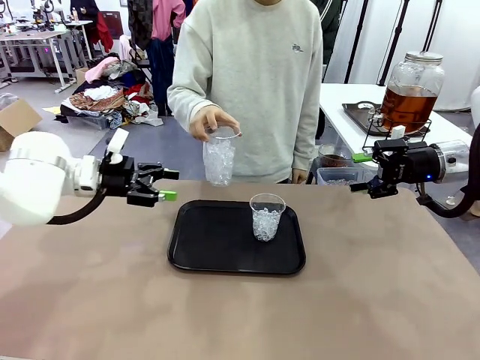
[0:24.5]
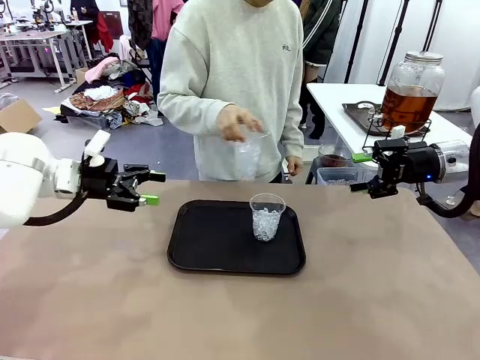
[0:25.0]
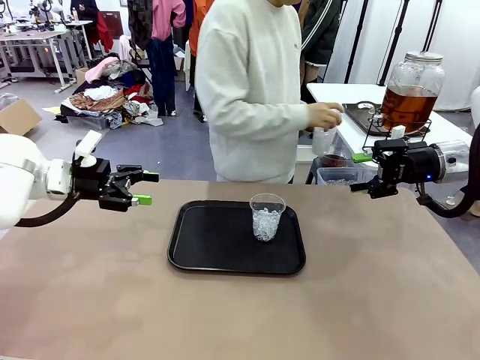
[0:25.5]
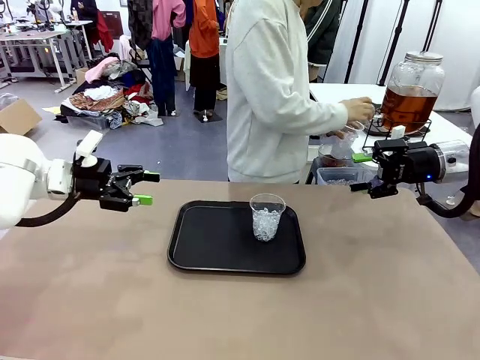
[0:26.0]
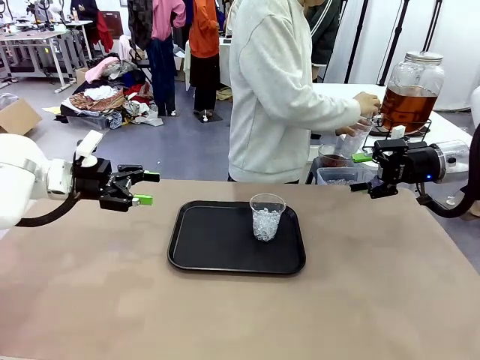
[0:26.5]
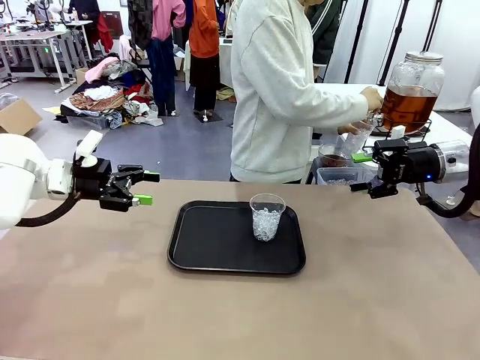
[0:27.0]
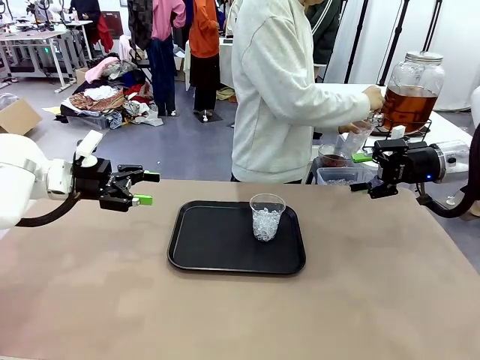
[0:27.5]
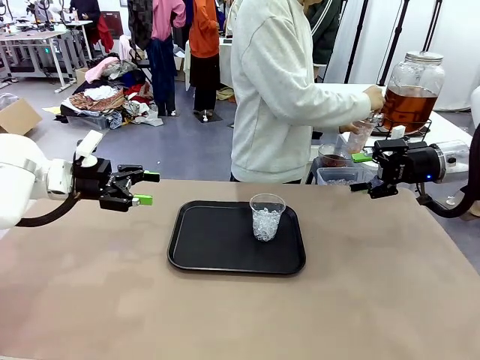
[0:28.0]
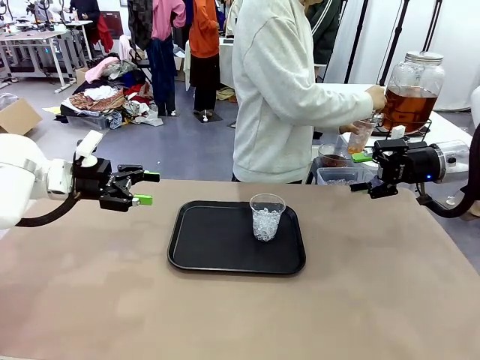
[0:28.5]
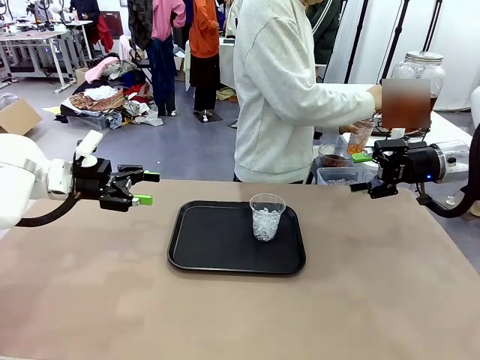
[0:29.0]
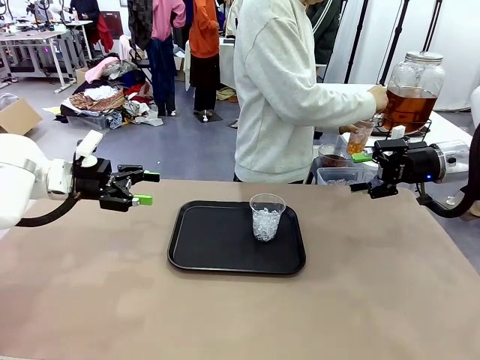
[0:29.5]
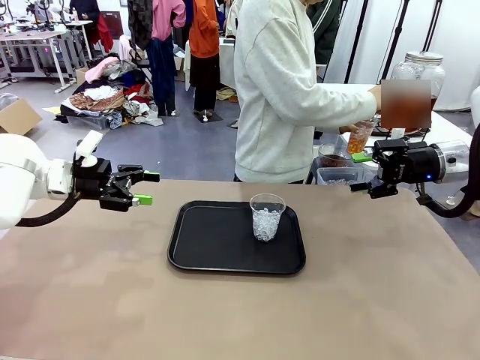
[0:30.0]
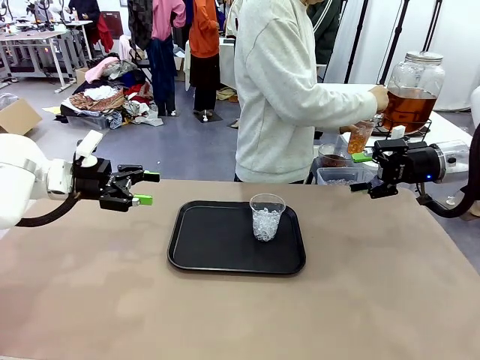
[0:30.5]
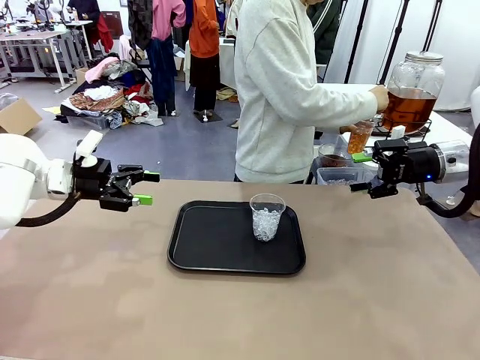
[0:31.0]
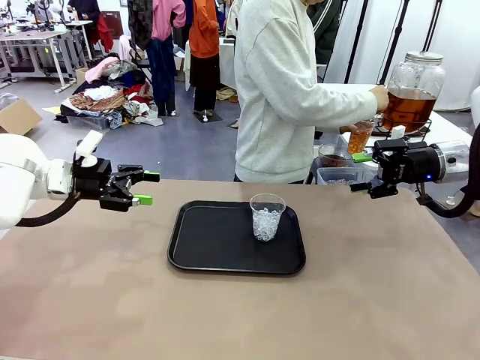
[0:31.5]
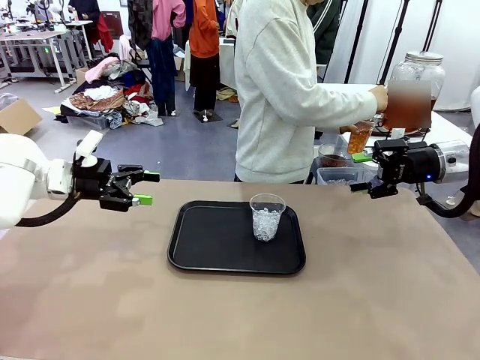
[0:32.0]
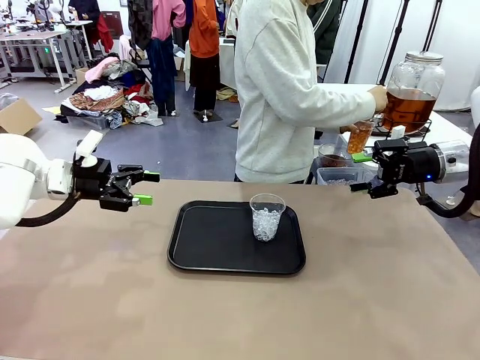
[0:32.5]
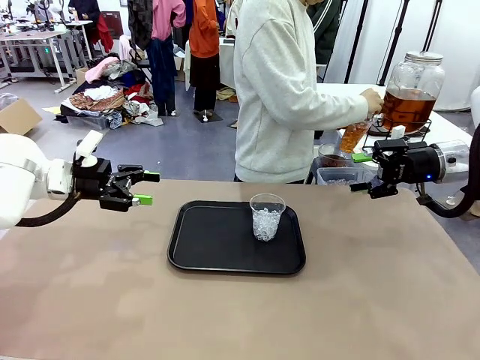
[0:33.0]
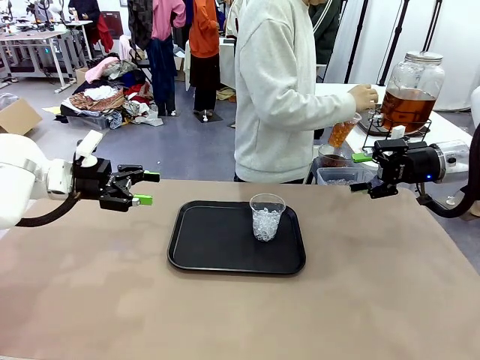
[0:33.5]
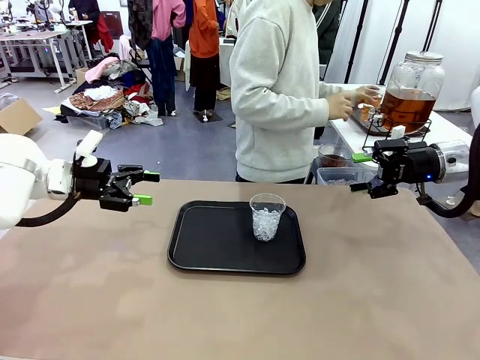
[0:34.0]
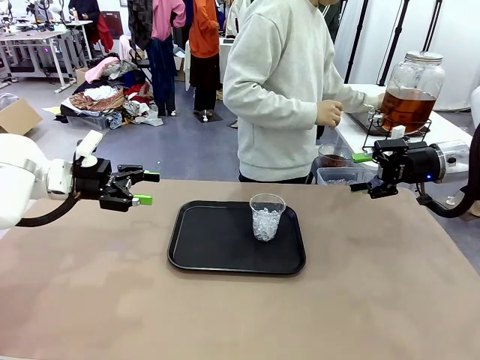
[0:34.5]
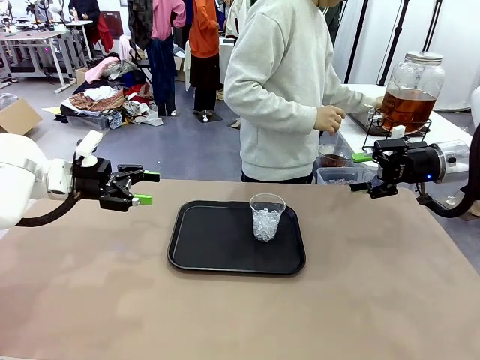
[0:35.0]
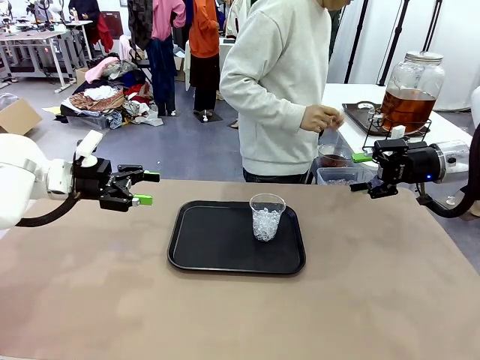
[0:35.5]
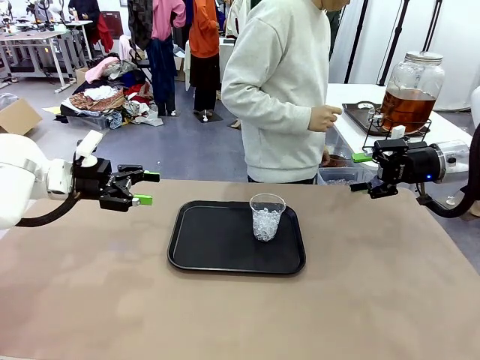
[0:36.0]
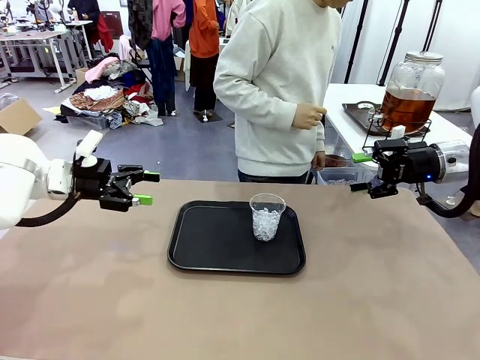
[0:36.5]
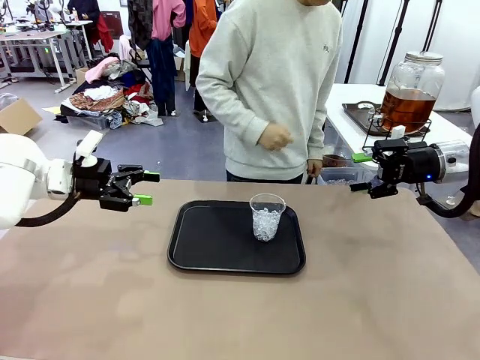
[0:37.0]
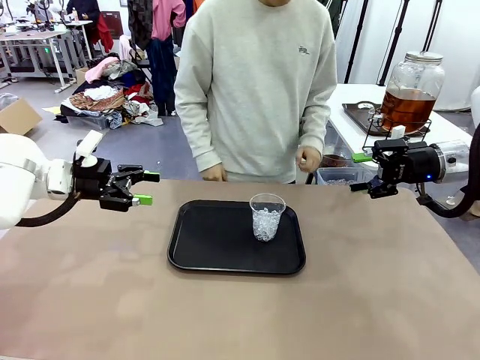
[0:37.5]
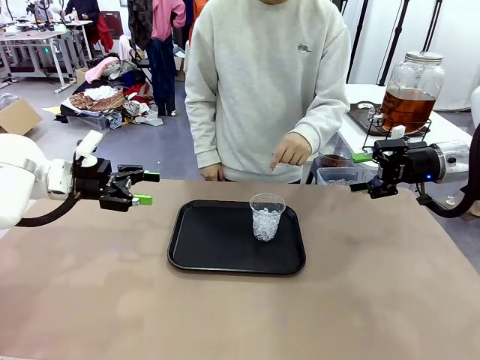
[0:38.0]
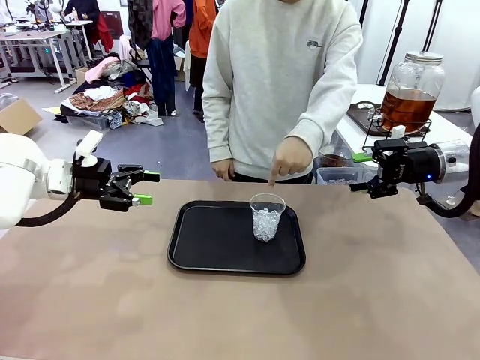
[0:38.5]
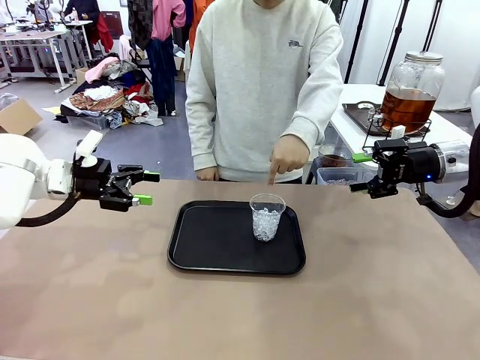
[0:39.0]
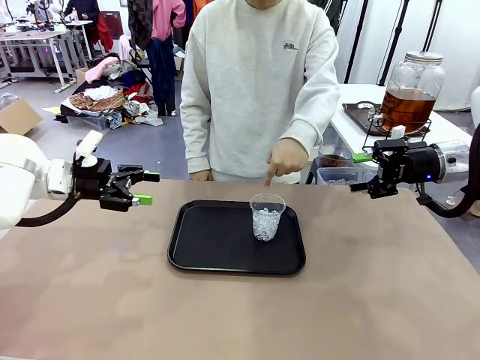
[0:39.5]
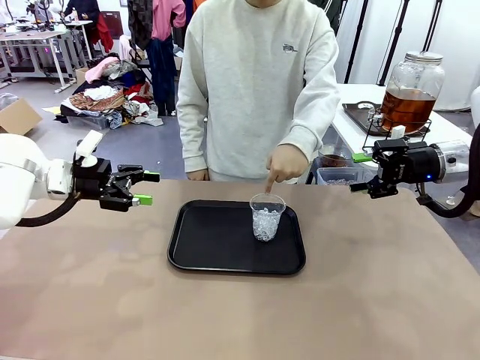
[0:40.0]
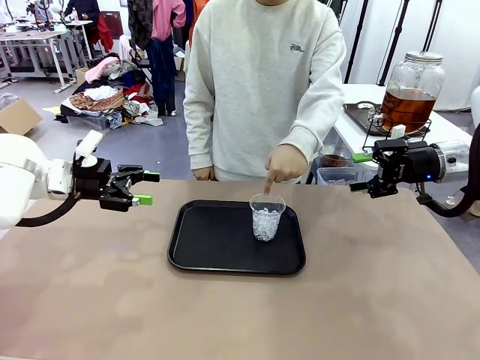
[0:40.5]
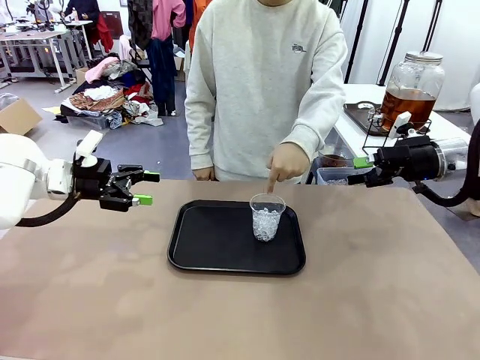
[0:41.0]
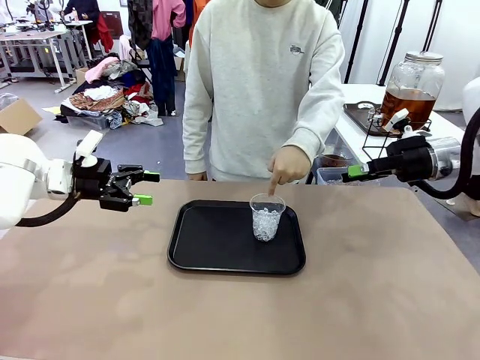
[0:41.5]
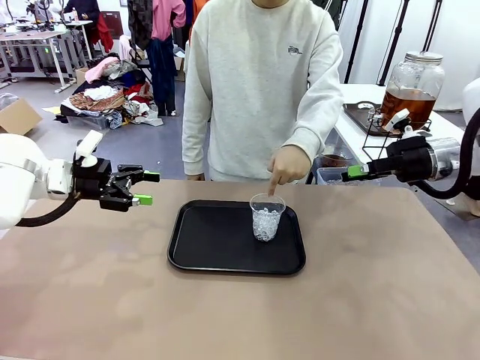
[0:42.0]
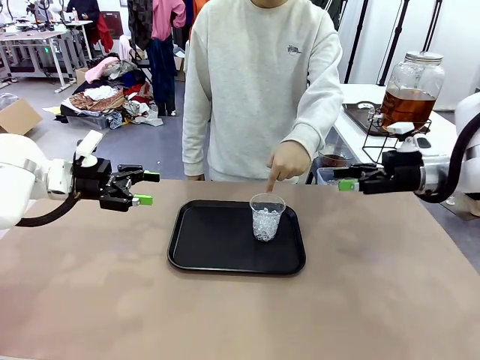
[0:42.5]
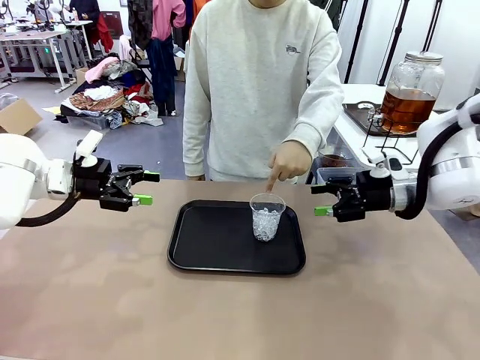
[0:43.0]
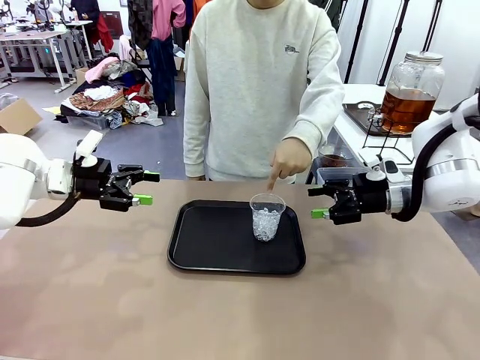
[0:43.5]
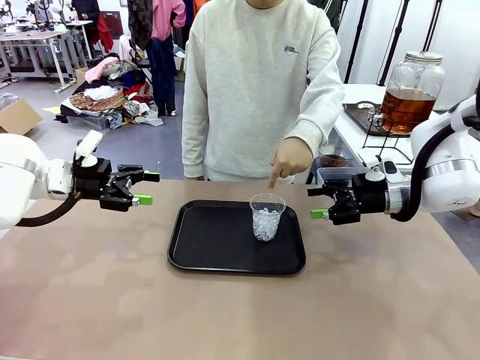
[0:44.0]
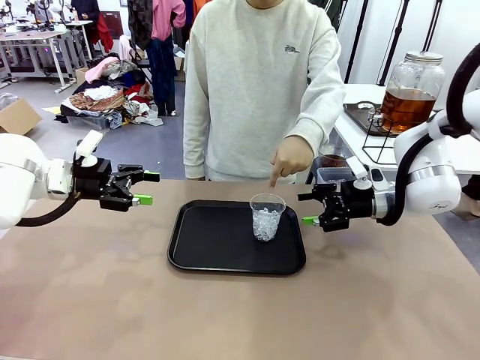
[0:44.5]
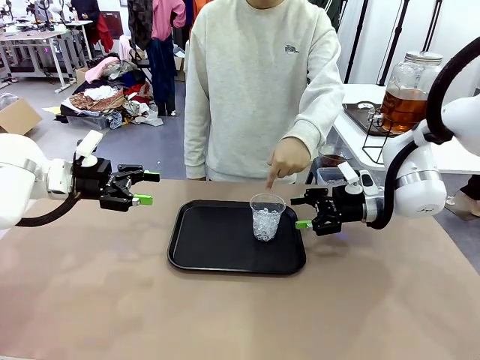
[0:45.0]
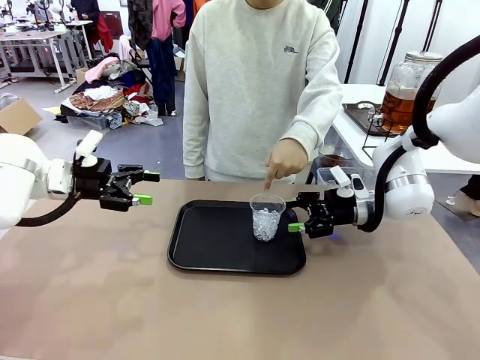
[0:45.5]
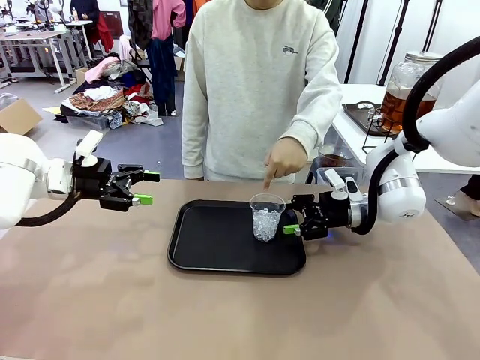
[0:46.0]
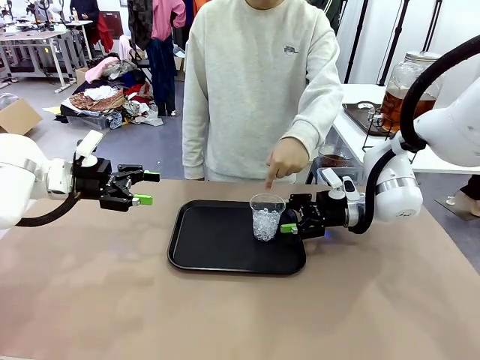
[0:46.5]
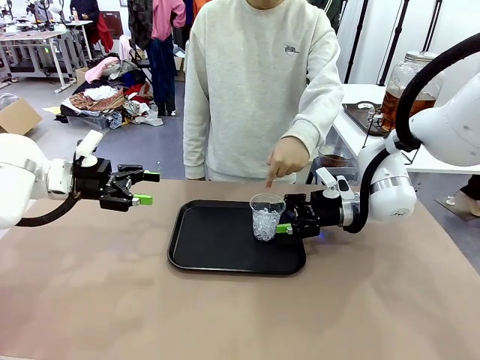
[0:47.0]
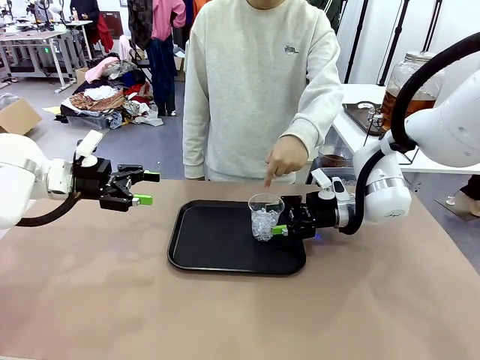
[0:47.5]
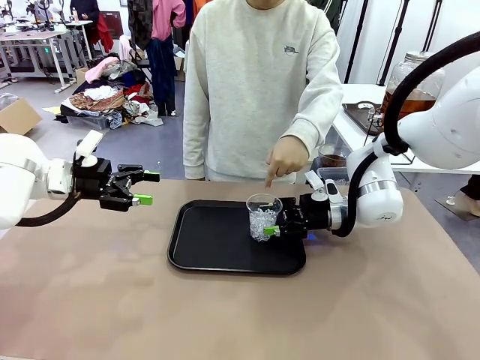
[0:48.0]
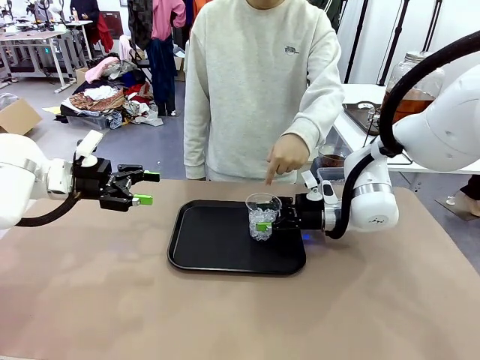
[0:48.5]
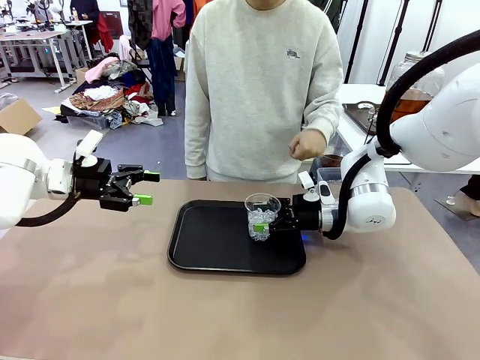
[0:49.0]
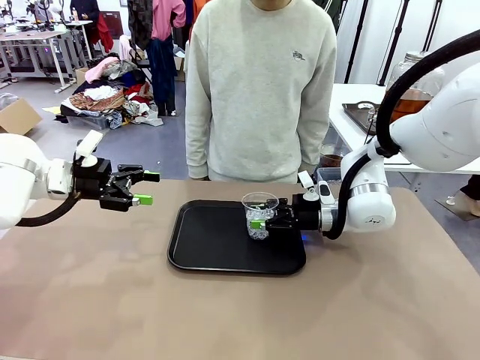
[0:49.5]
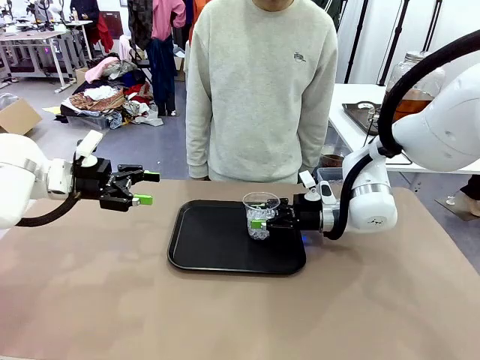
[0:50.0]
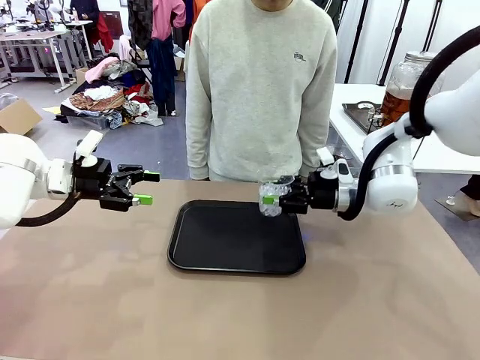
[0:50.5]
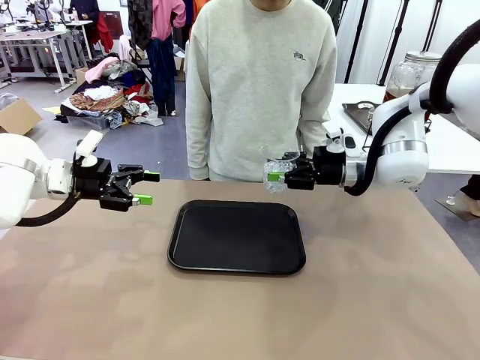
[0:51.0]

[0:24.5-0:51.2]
Task: Pour the drink into the iced cup.
Robot: Pick up the iced cup indicated by the human and present it to them.
Person: Move the picked-up cup under the dispenser faucet, pour the drink, and place it on the tray on the human table. Point to the remaining ice cup on the robot table. Pick up the cup offered by the robot.
